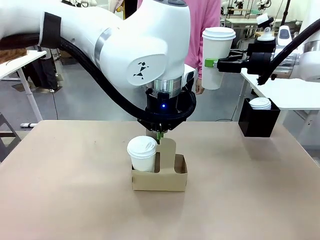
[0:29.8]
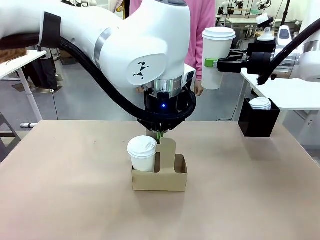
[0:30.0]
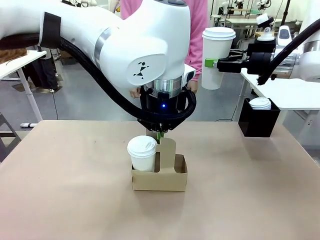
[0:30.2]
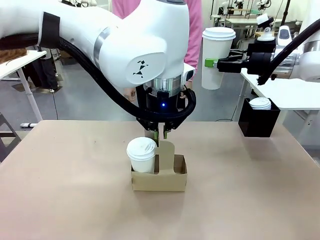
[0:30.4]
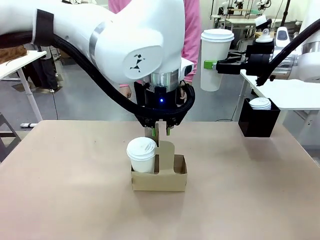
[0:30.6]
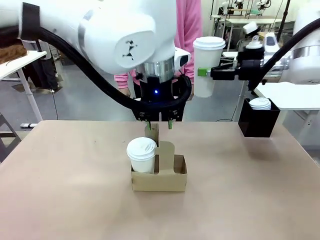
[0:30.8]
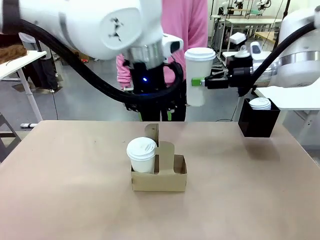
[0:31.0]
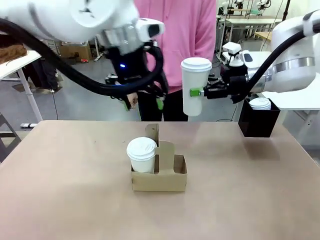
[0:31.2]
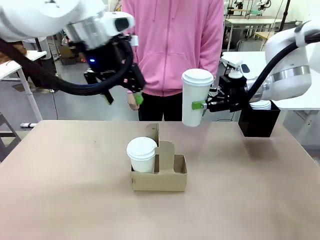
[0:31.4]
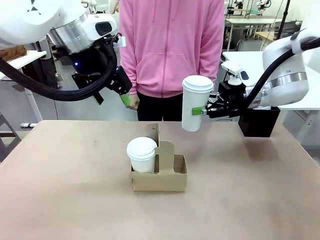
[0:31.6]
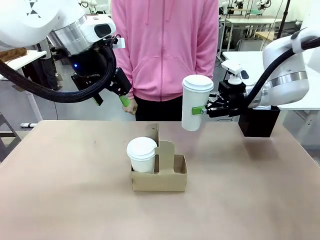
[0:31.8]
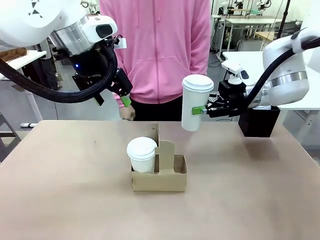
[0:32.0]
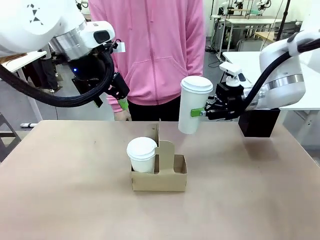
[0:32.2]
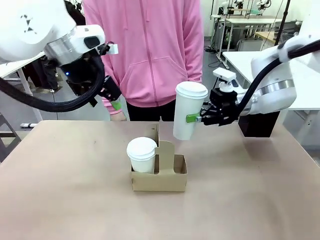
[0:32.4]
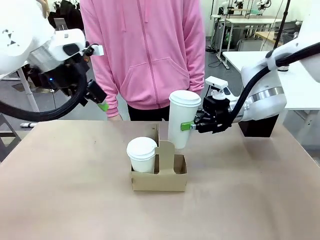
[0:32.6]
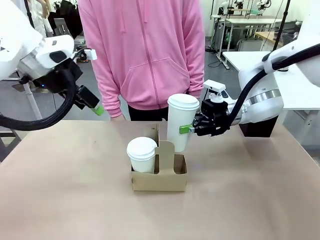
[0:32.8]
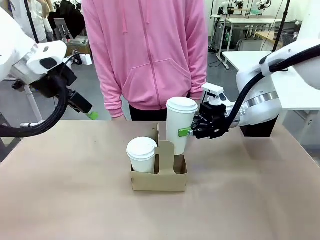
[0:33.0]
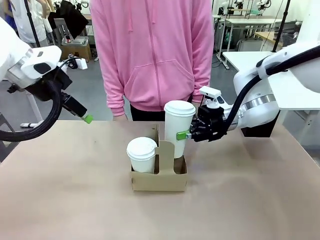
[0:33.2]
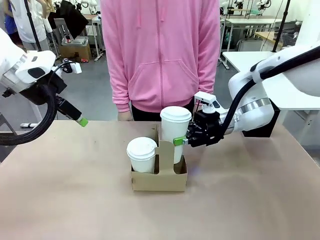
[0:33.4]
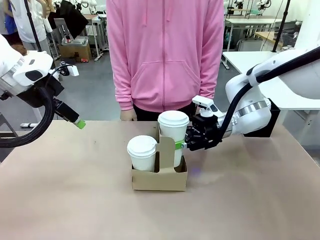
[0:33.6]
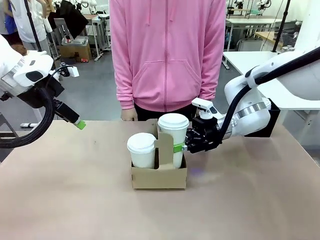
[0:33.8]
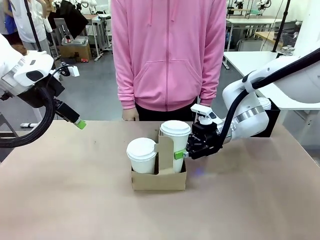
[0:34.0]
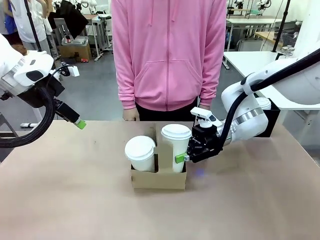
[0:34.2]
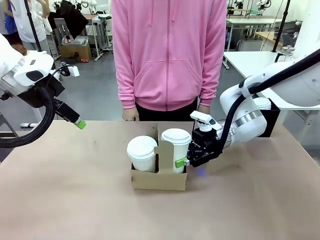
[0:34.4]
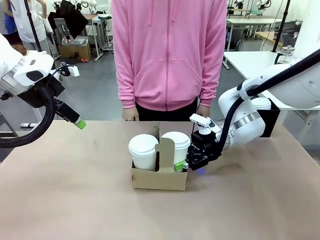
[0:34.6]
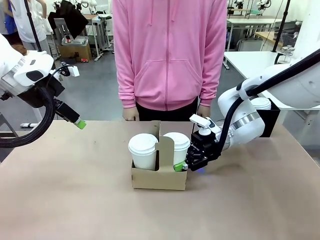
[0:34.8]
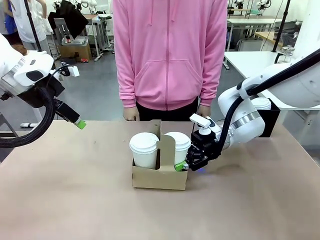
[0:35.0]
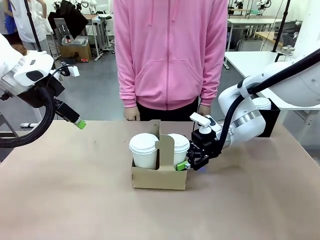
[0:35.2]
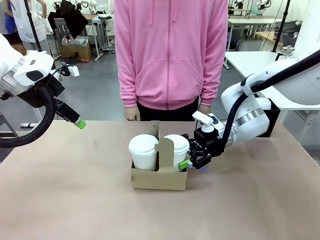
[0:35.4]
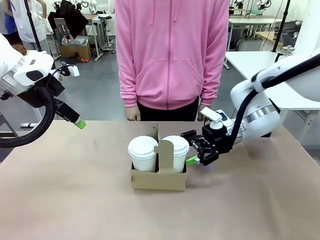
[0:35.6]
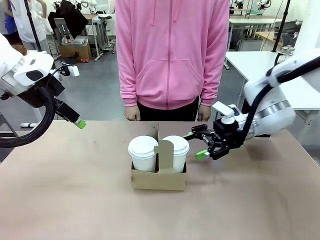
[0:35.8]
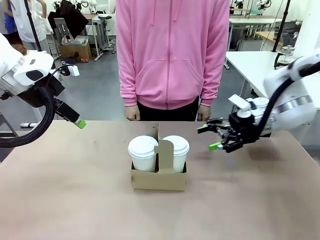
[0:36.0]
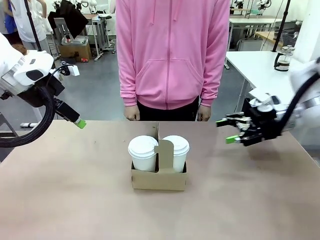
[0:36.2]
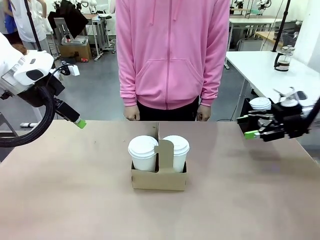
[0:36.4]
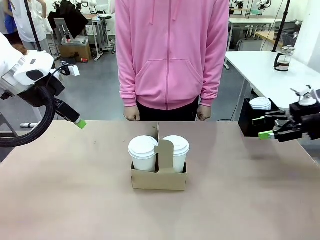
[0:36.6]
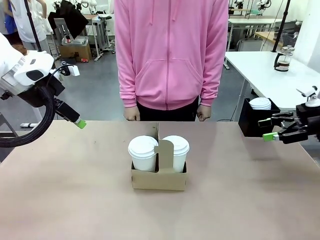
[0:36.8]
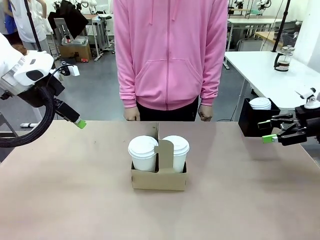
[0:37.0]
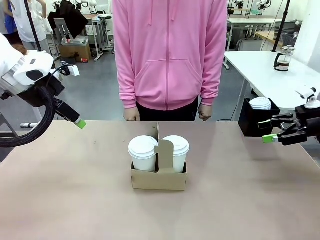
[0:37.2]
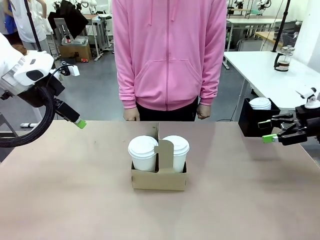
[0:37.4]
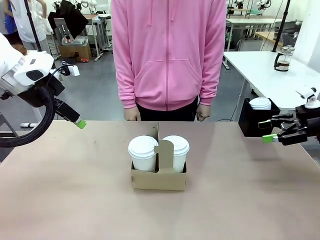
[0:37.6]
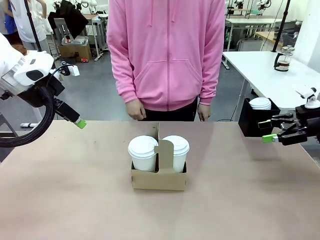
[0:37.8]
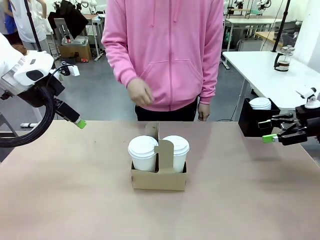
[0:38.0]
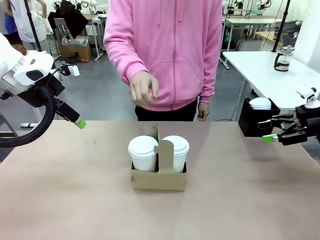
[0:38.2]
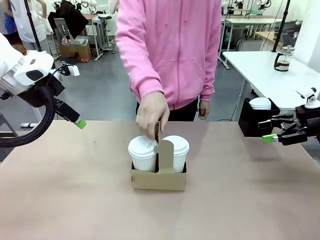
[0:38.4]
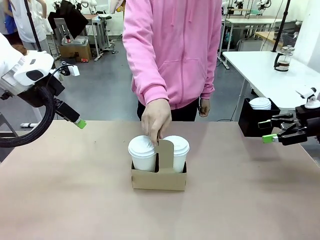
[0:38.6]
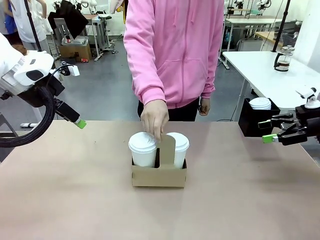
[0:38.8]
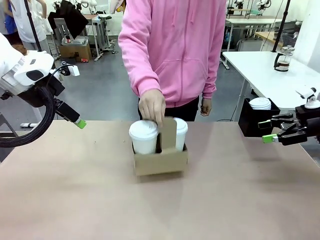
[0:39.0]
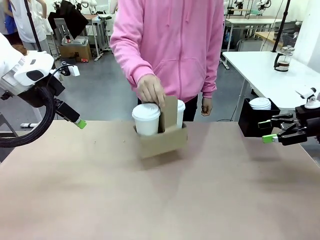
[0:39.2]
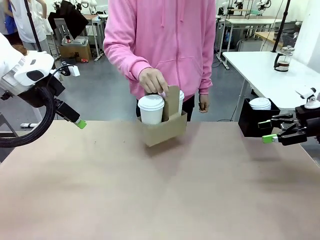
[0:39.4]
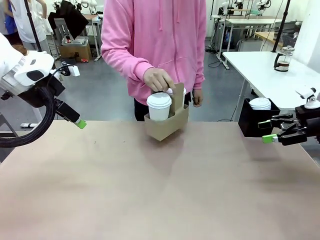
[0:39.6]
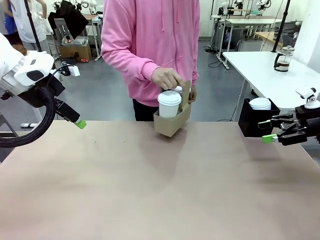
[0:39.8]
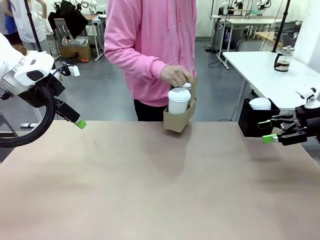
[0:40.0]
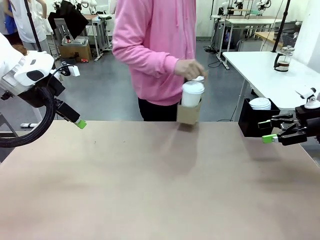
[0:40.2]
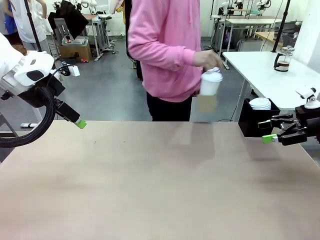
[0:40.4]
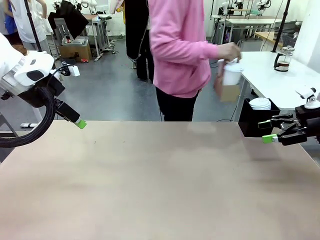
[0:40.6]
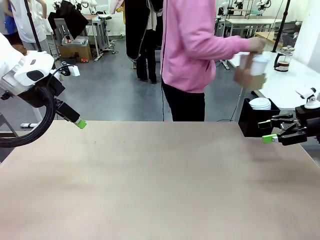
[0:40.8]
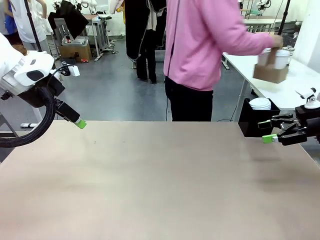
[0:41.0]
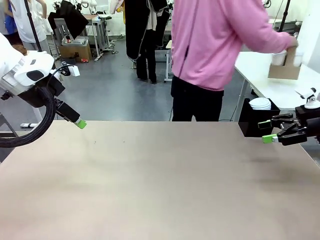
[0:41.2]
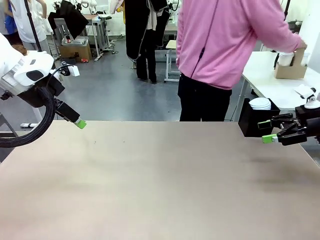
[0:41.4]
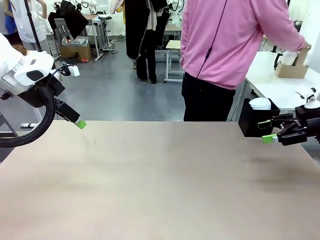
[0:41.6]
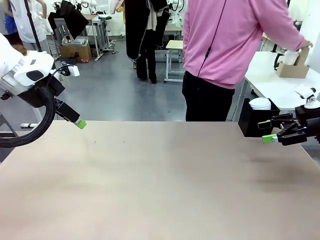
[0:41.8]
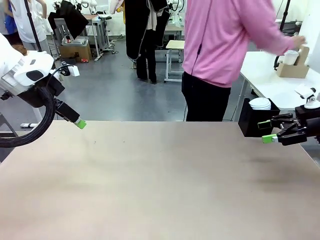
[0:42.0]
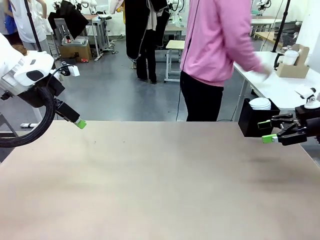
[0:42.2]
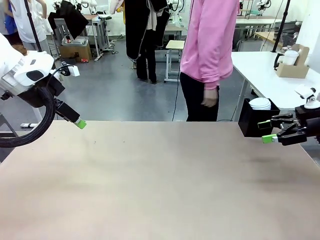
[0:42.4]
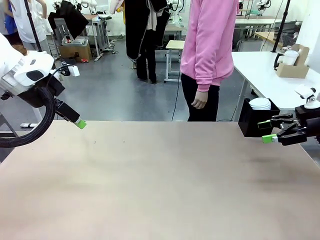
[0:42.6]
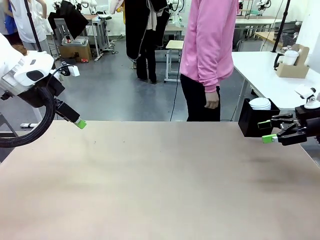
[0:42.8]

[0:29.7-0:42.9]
Task: Pour a drink into a cup and package it in a carrier.
Robot: Insert the held 600 ml Paper Cup into the Cup Carrier.
Person: Place the Cup Carrier to the middle of Human table.
